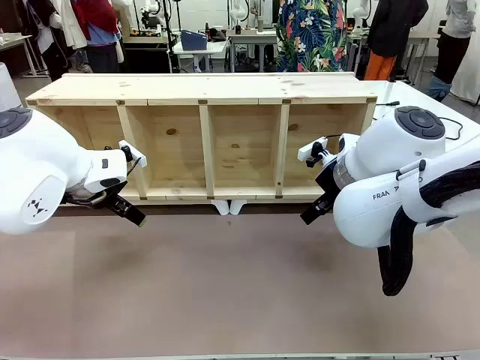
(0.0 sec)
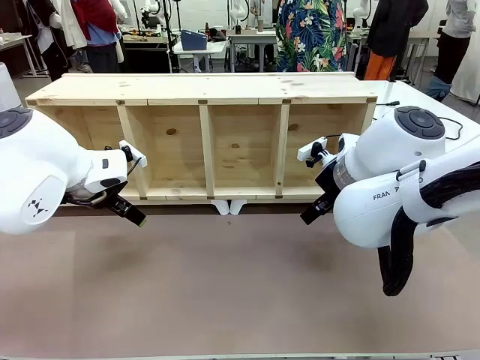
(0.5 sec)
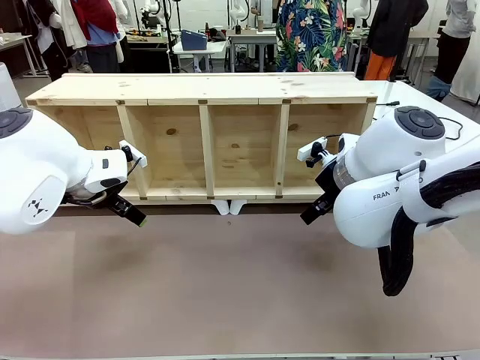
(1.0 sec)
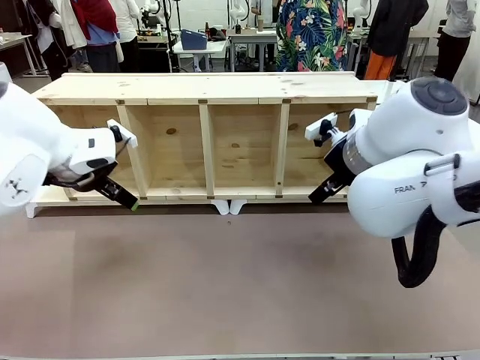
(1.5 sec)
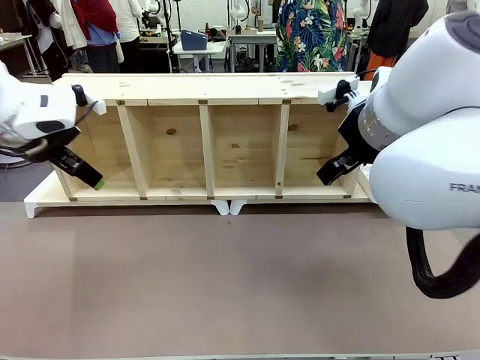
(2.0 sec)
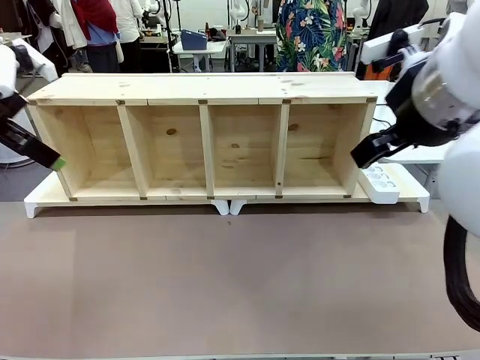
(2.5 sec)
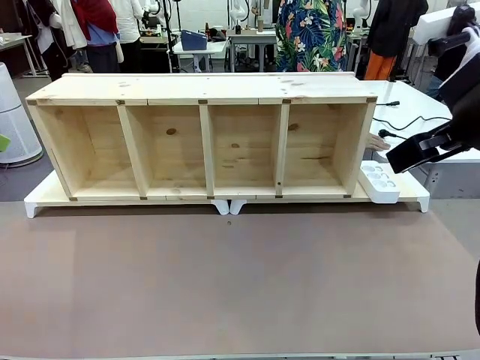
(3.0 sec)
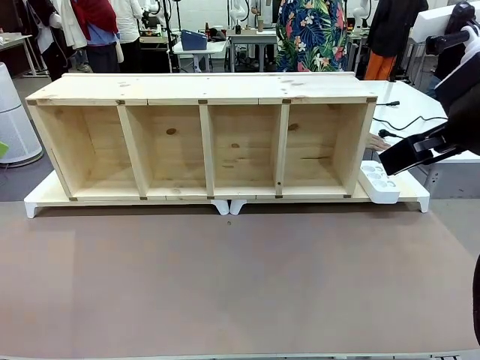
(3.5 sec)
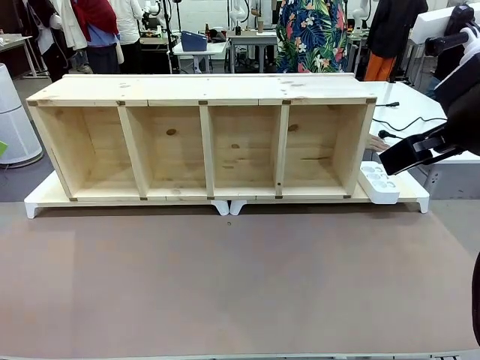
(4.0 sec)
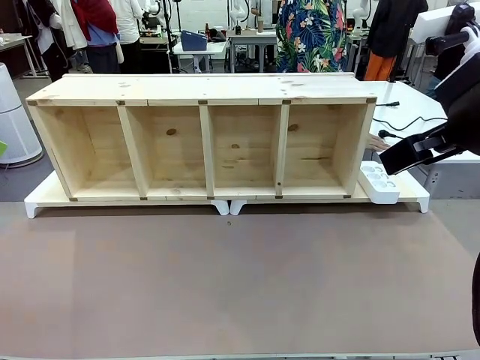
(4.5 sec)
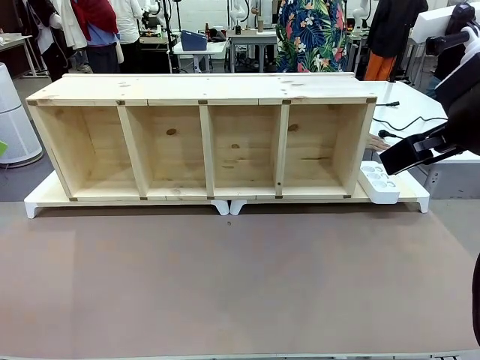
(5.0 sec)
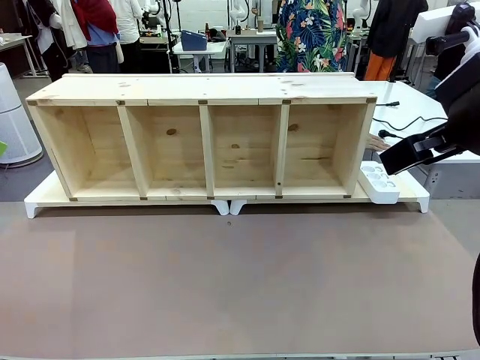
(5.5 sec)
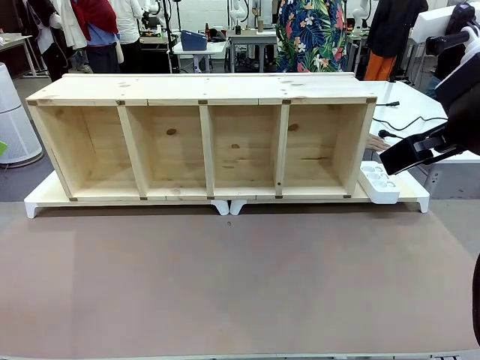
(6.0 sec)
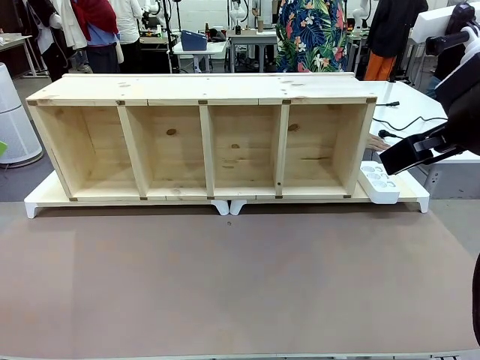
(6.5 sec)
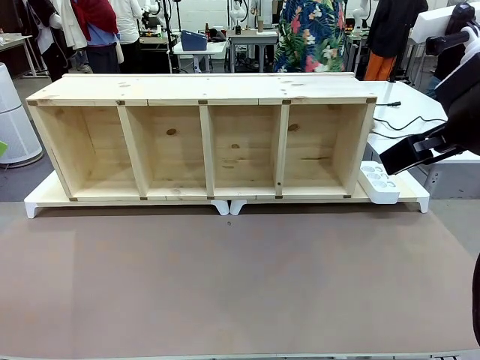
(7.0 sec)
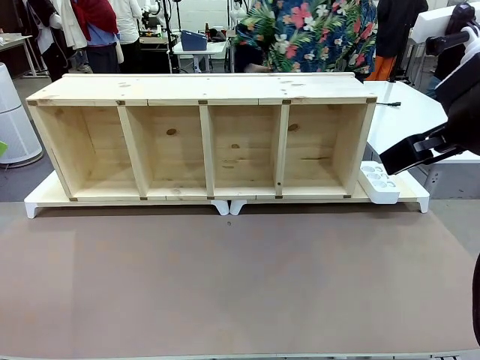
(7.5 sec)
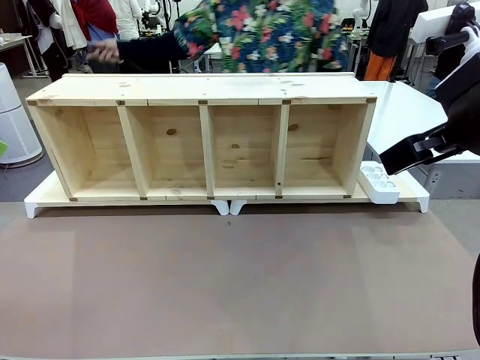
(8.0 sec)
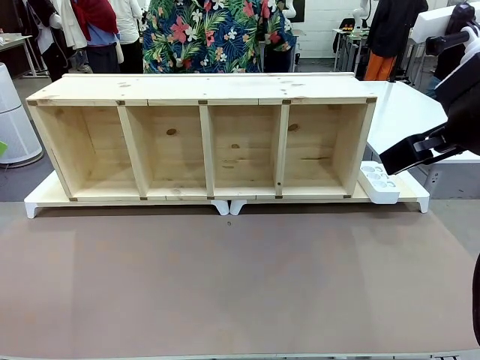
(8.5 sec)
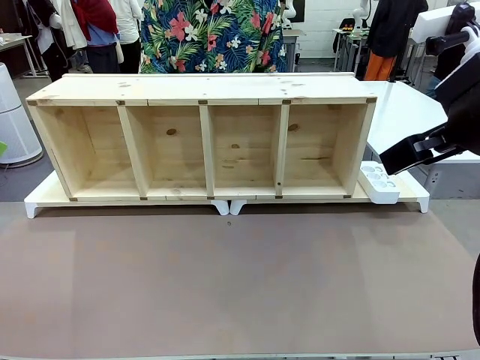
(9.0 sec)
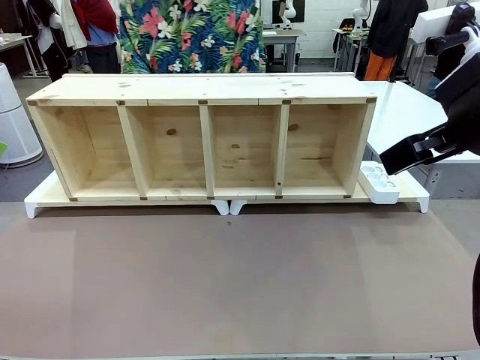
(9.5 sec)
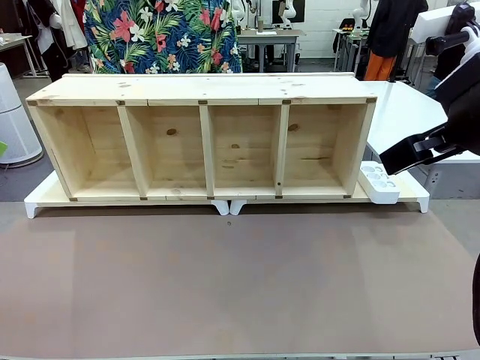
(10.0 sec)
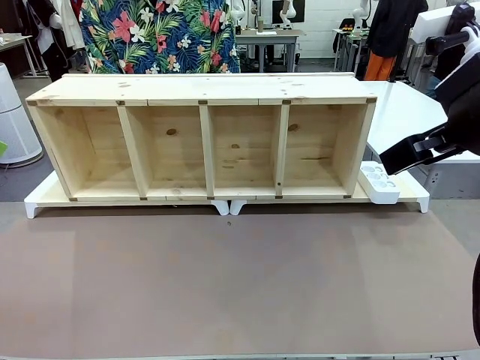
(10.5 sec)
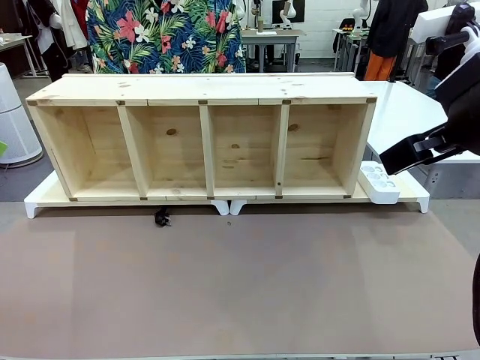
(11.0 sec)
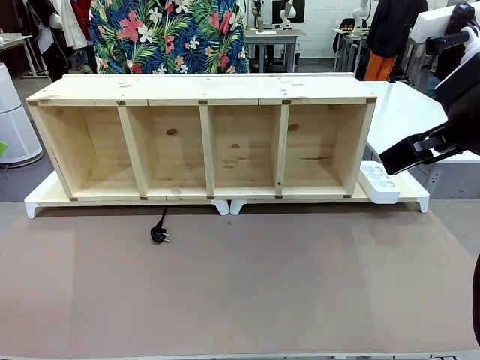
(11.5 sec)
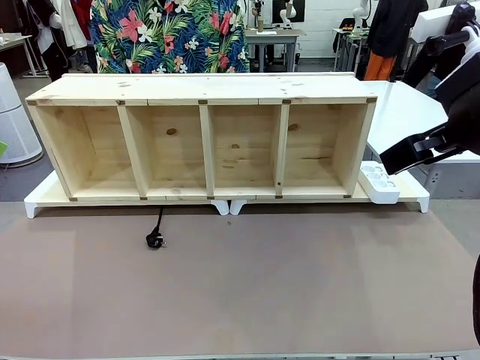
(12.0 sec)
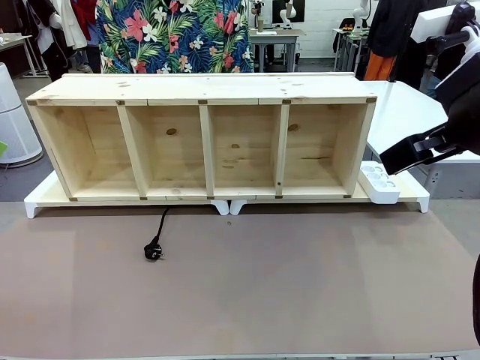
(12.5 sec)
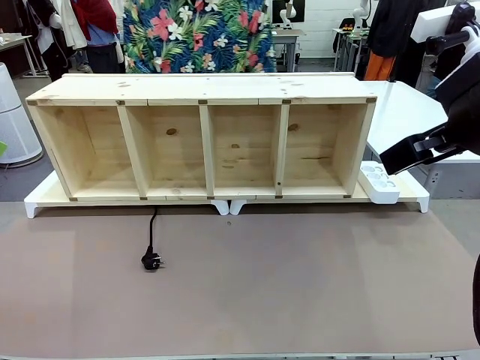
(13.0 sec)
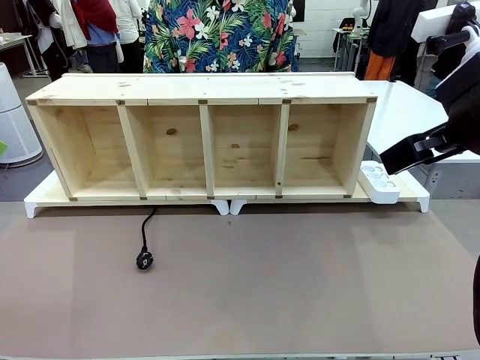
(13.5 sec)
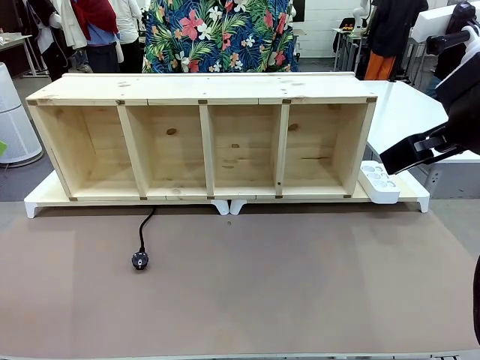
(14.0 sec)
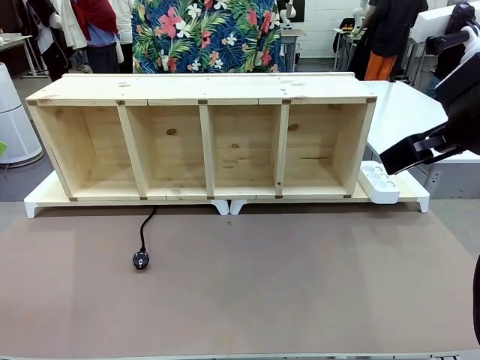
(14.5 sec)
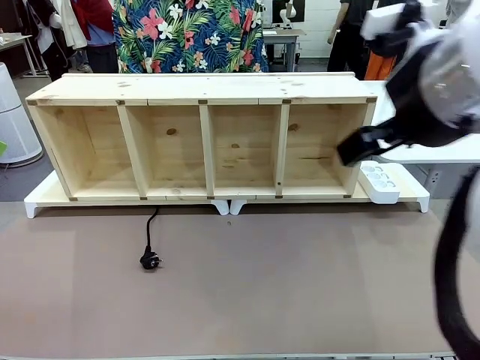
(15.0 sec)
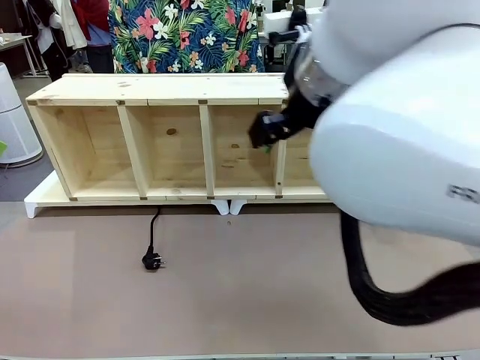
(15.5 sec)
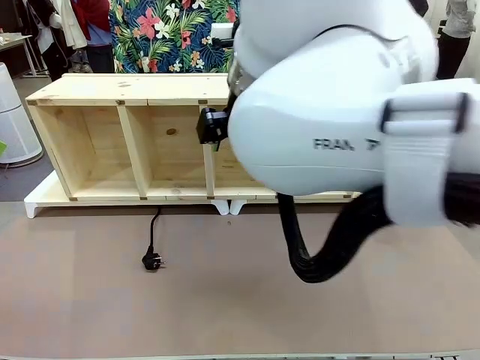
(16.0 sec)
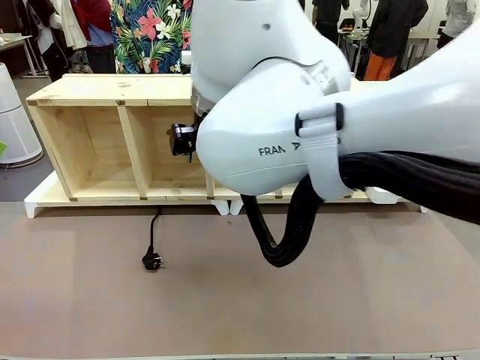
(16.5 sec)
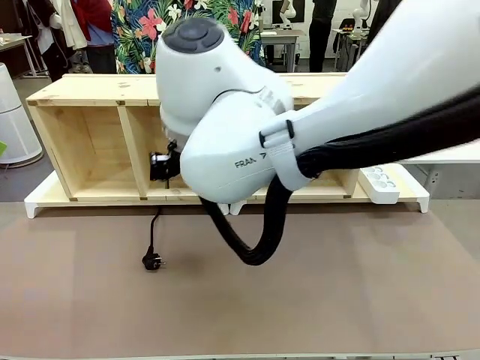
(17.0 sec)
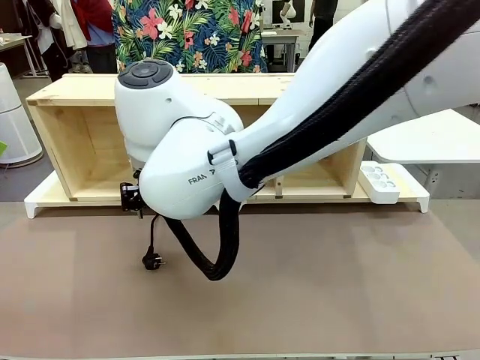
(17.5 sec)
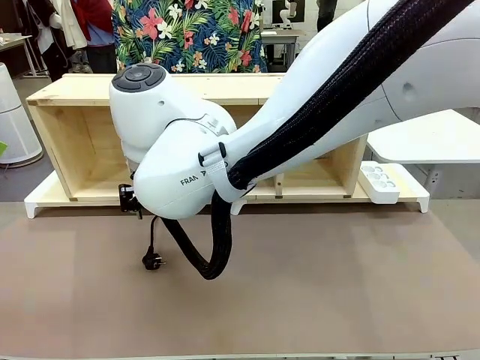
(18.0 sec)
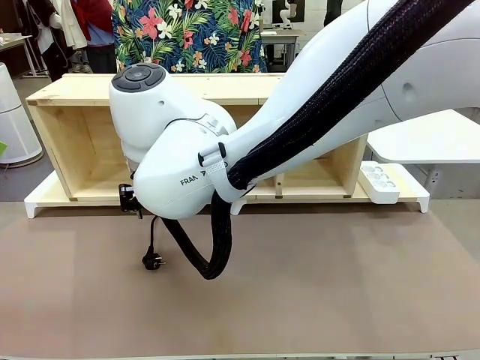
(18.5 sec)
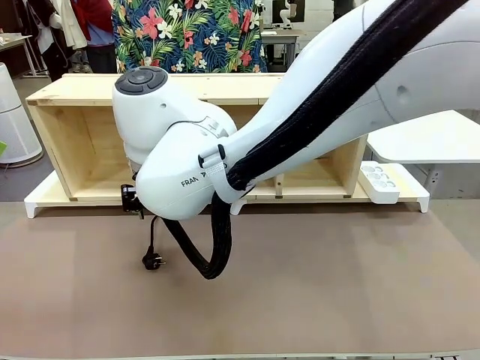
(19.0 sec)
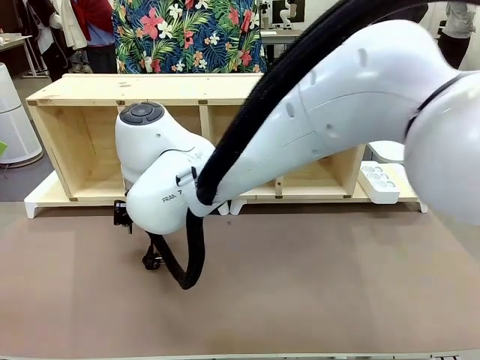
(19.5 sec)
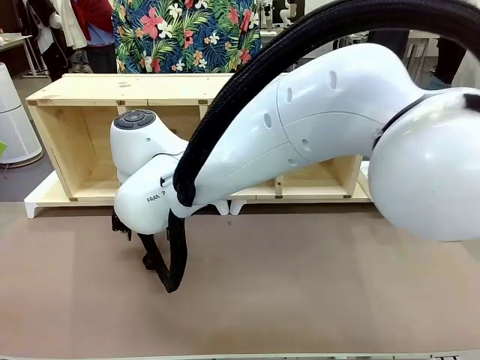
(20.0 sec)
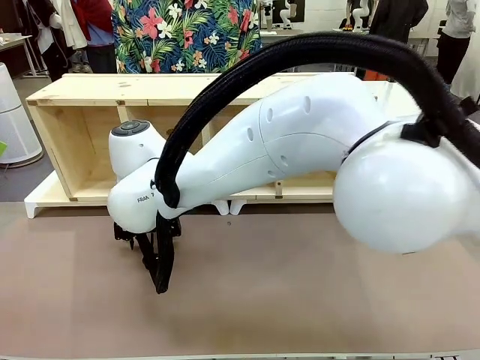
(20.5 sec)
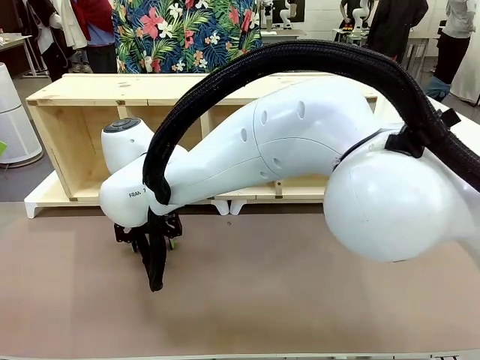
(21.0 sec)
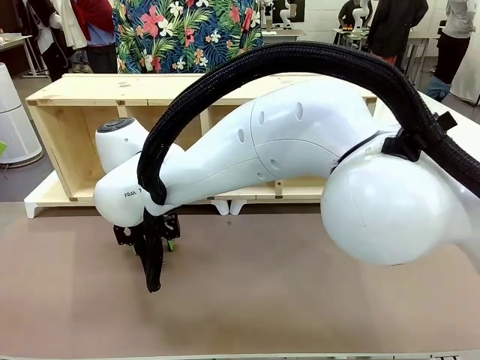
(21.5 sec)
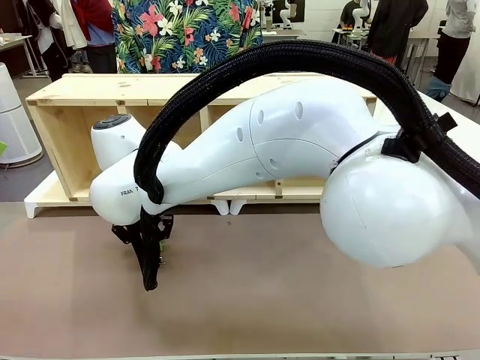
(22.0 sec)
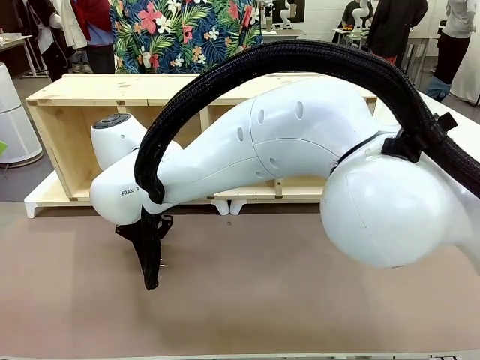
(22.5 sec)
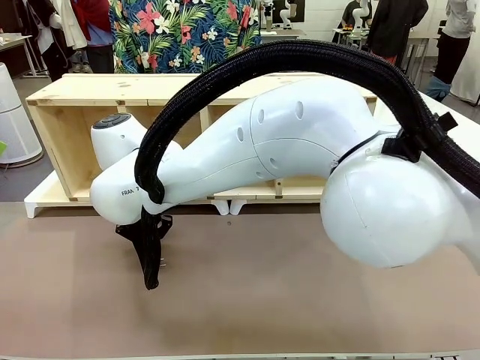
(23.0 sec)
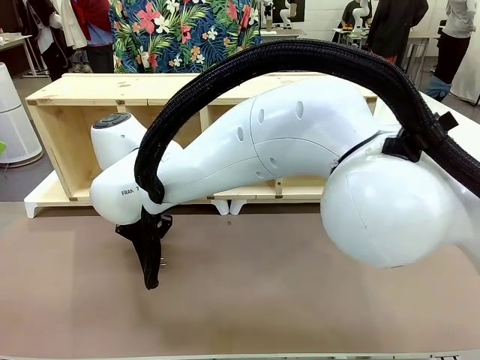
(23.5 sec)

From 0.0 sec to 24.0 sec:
Task: Perform cable management.
Robot: When the cord part of the Power Cable appears at the lower middle area of the table and stops, grasp the cord part of the Power Cable.
Person: Pass the Power Cable under the Serving Table.
